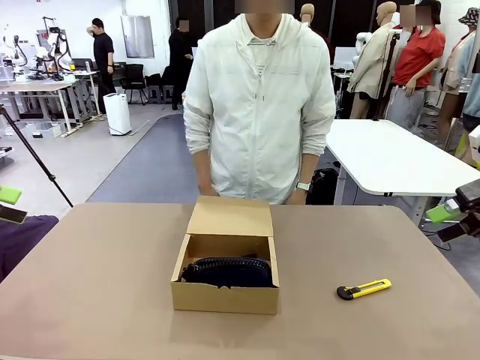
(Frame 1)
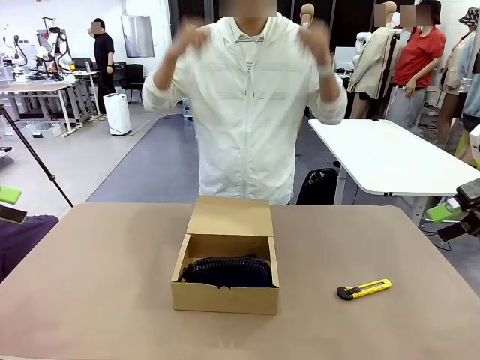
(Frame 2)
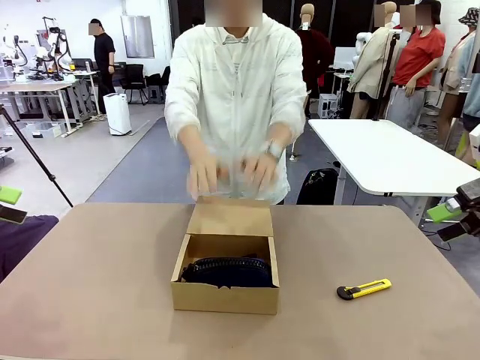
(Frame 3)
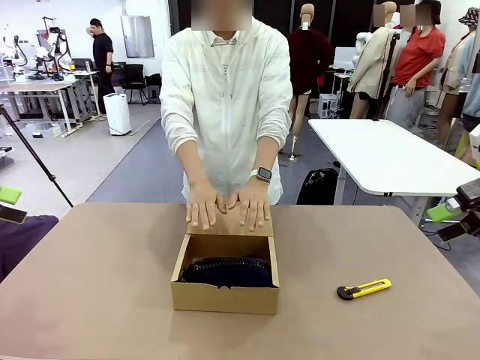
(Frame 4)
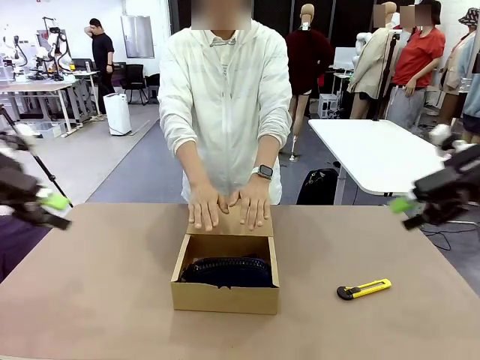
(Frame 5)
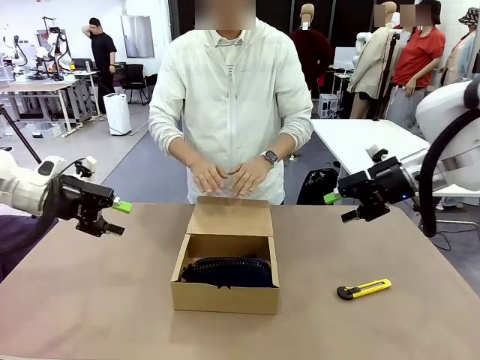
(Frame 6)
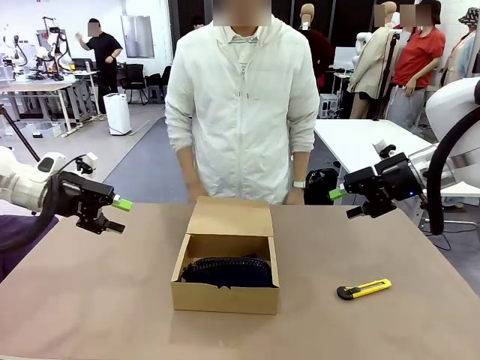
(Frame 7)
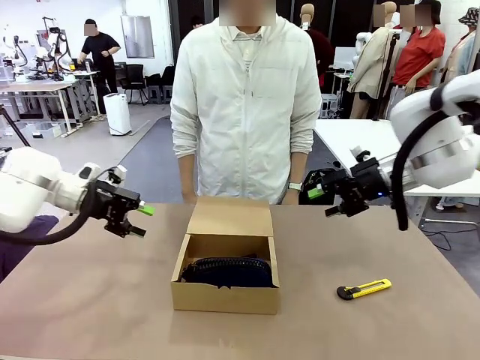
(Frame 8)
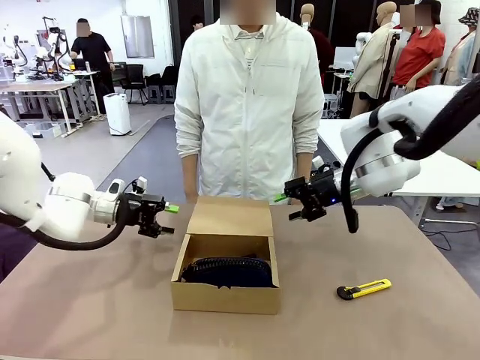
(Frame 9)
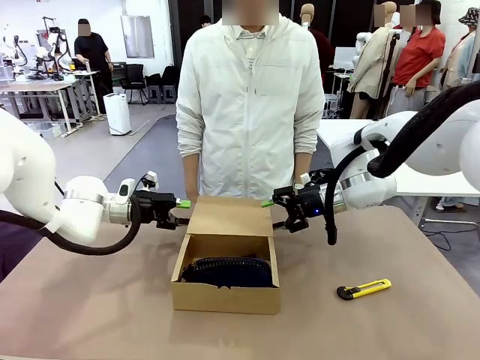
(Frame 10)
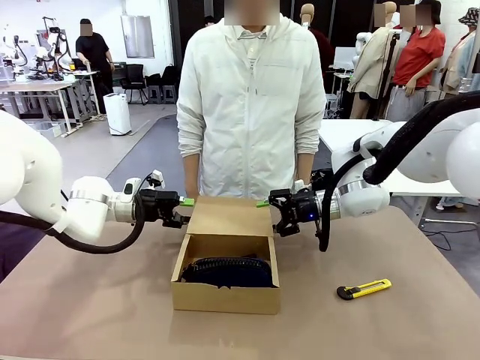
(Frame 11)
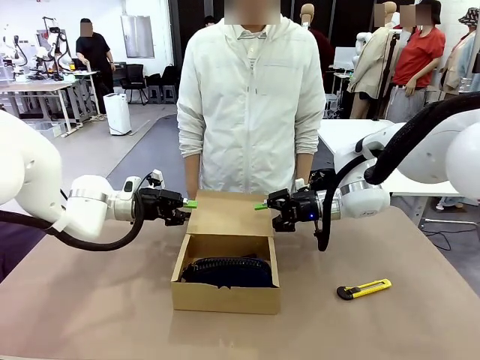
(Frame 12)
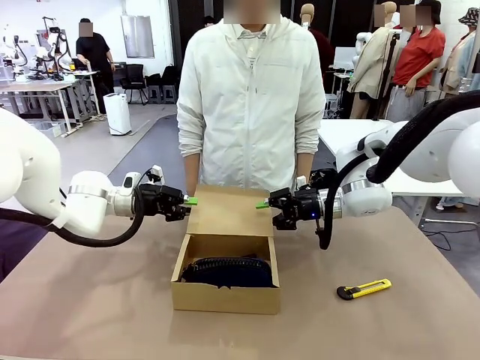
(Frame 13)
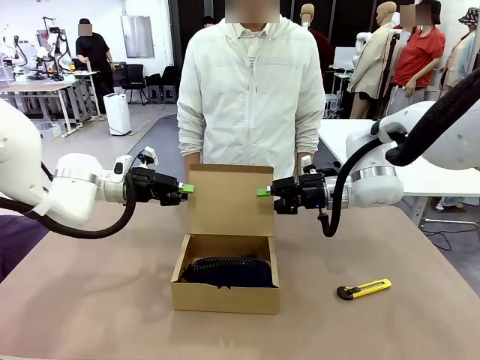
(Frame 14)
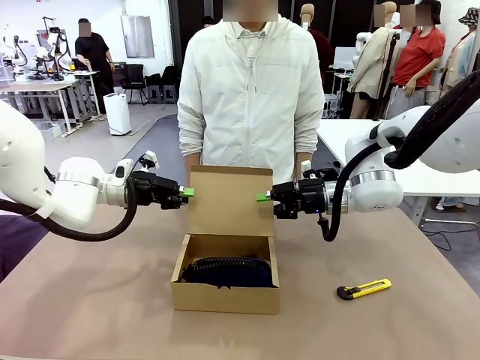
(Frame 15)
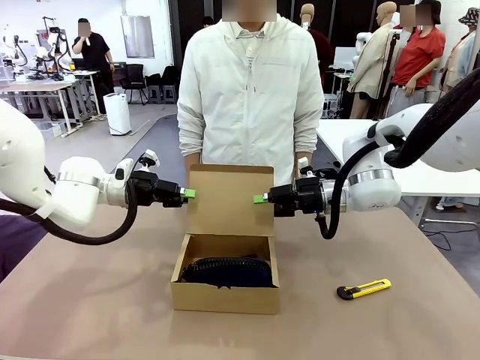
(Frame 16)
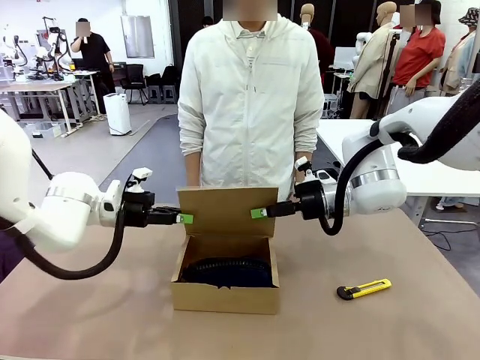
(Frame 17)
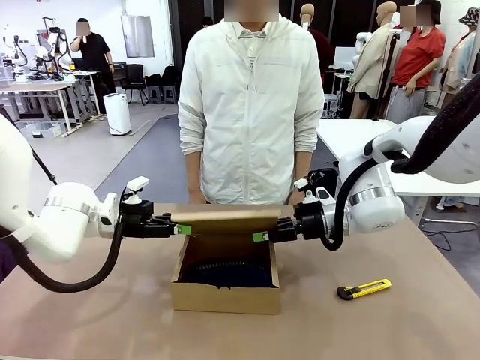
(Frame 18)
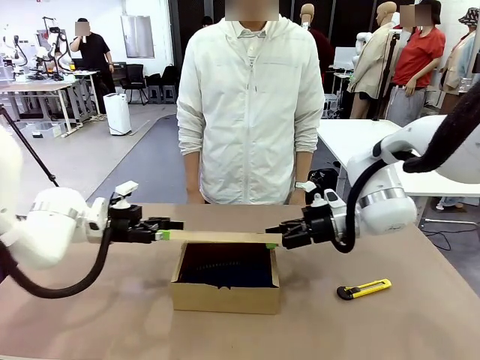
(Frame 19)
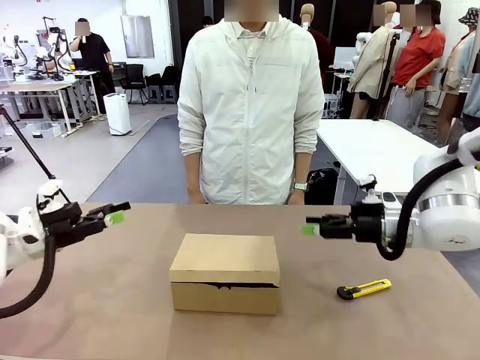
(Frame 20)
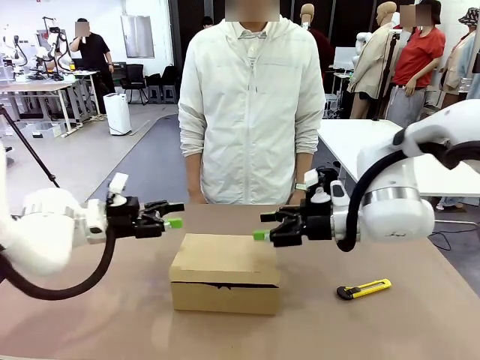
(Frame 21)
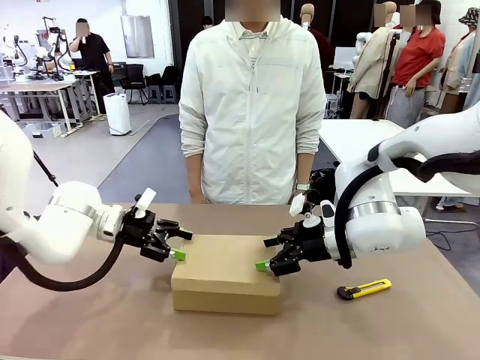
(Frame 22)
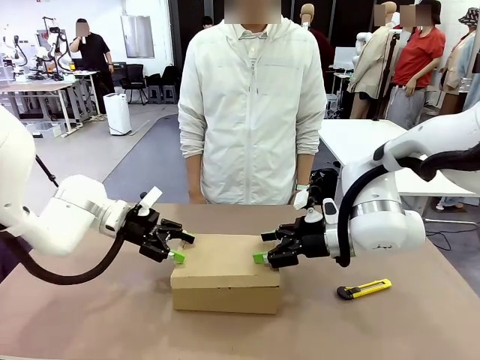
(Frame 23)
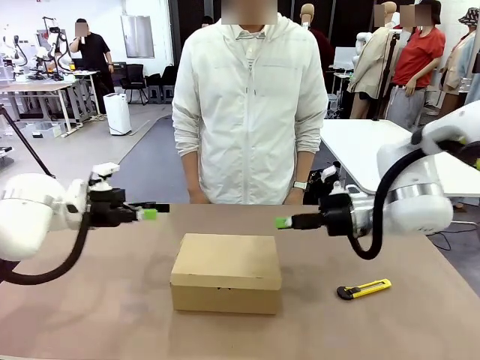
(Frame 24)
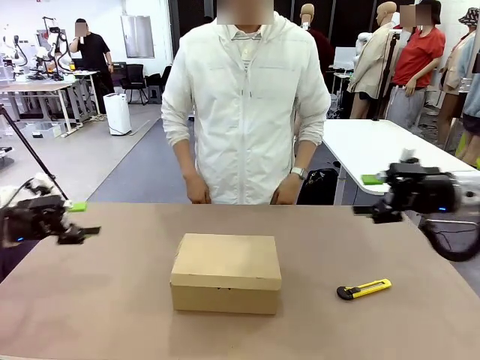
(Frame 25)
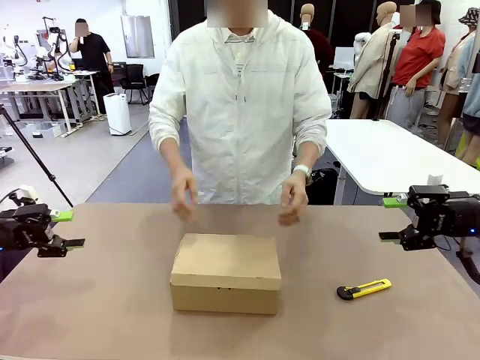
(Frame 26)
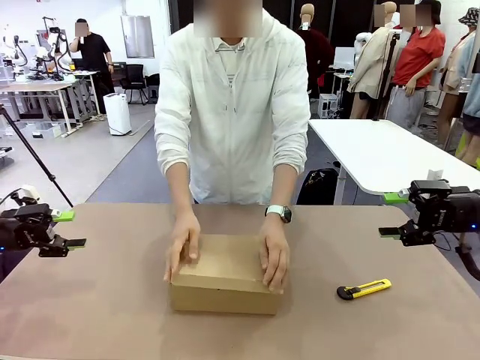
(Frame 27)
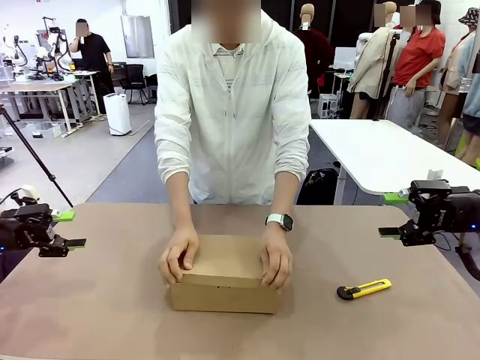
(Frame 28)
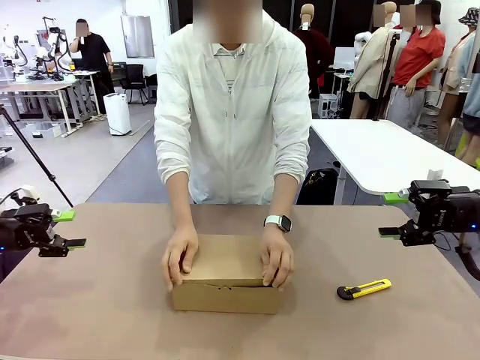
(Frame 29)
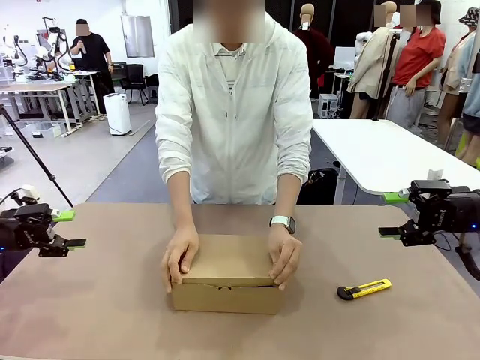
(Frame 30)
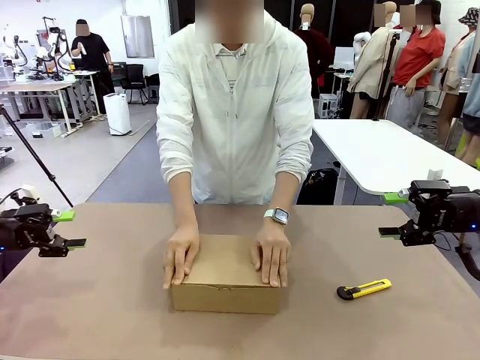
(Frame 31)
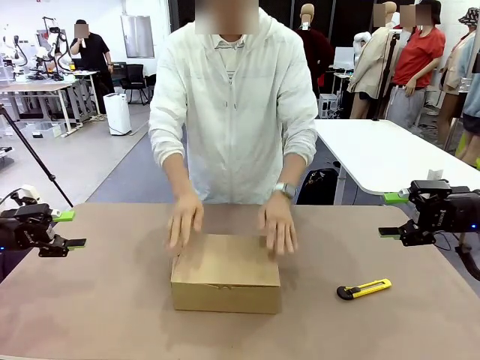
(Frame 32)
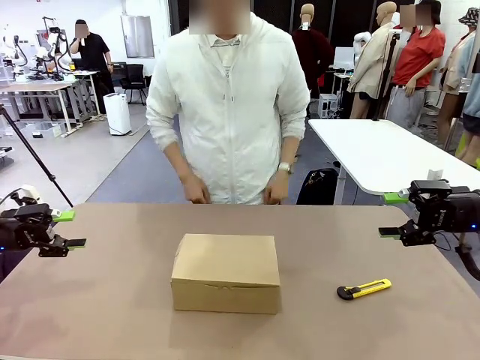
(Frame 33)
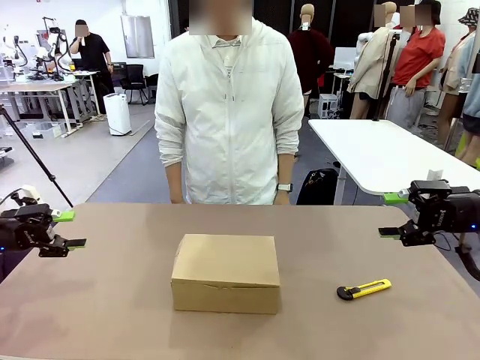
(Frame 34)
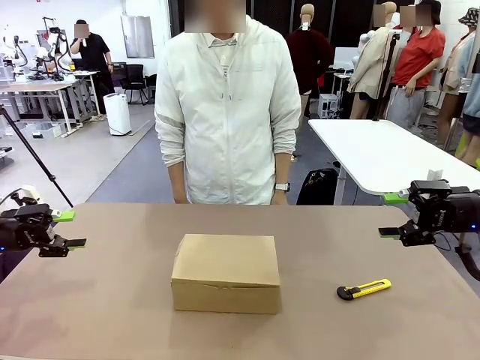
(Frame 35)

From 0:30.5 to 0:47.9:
Task: Pack the items into the box.
Robot: Close the Mailer Box.
Person: Turn the box and lock it.

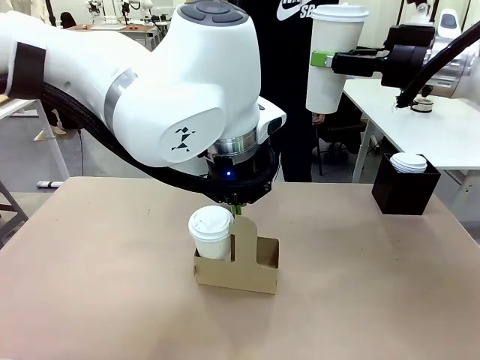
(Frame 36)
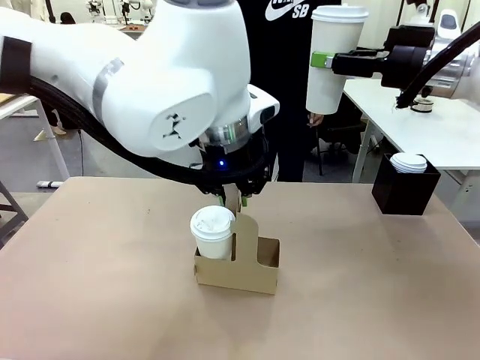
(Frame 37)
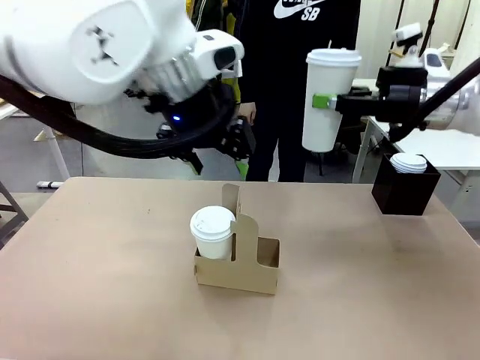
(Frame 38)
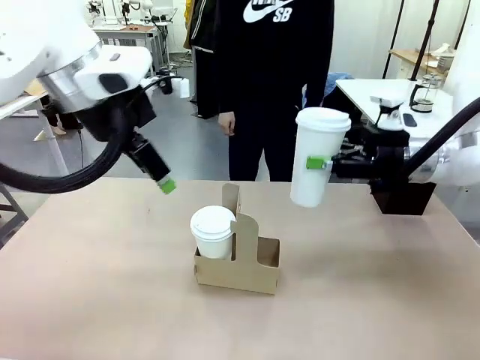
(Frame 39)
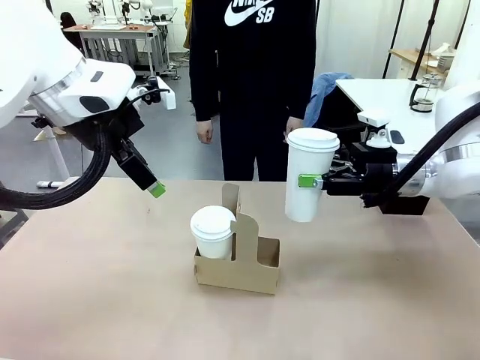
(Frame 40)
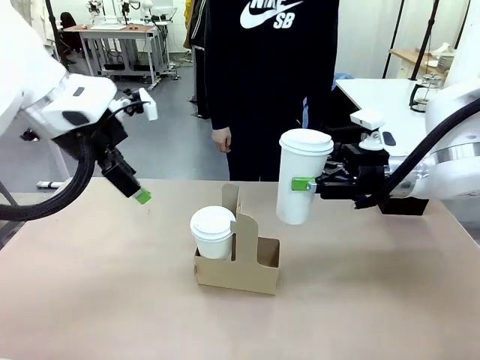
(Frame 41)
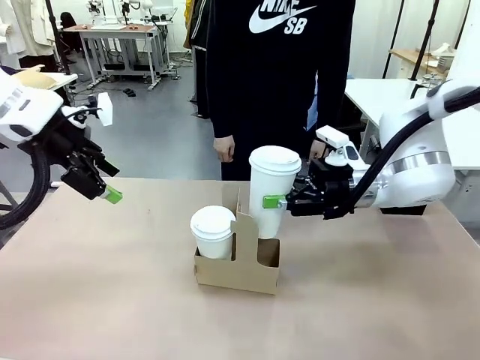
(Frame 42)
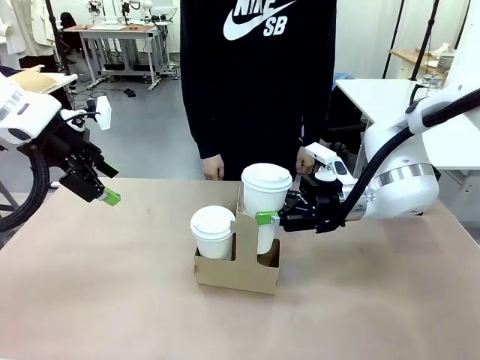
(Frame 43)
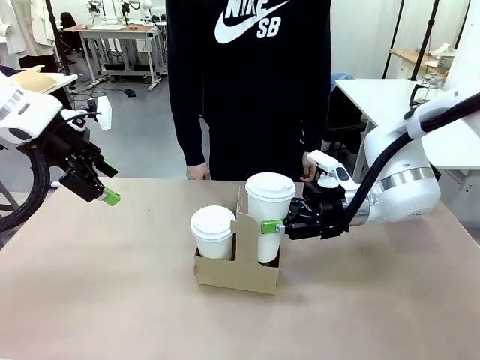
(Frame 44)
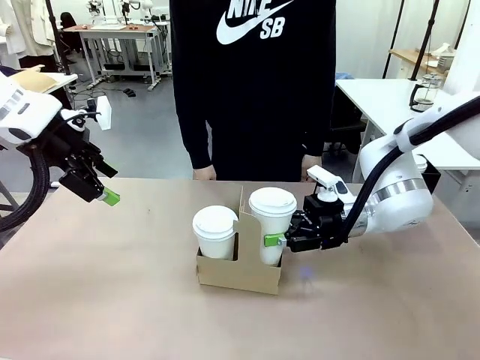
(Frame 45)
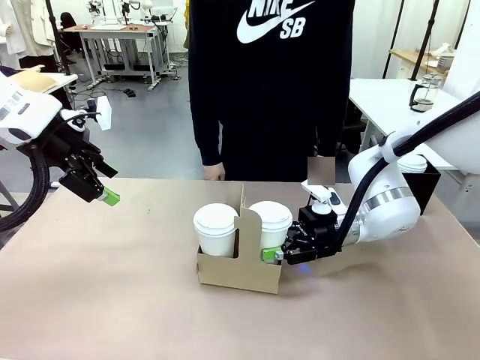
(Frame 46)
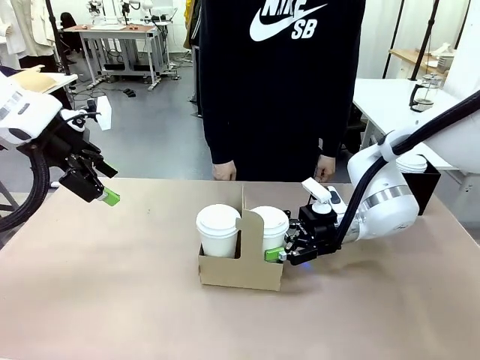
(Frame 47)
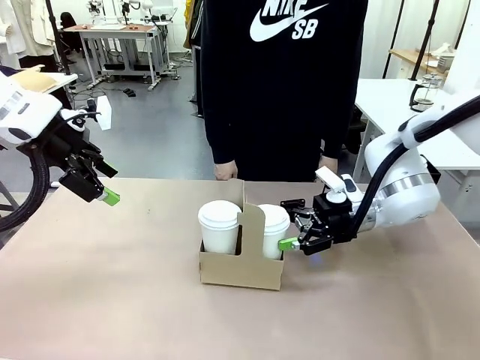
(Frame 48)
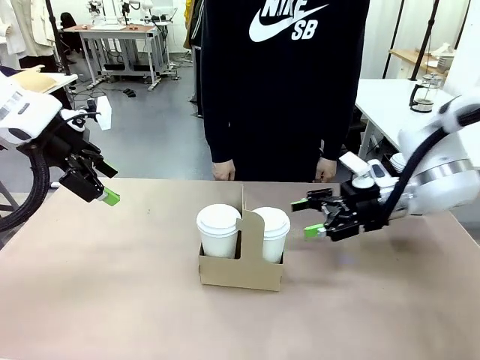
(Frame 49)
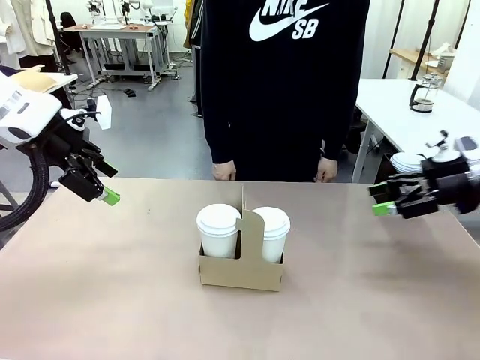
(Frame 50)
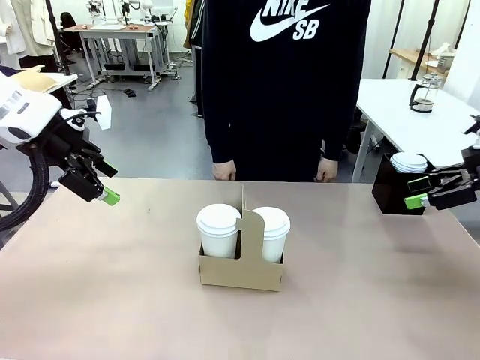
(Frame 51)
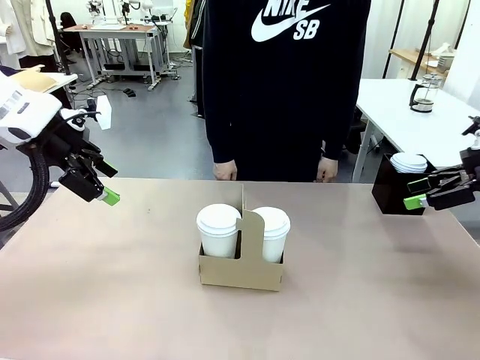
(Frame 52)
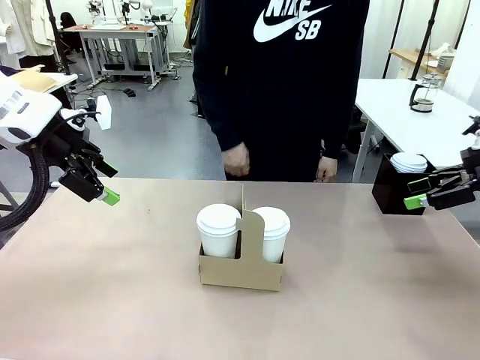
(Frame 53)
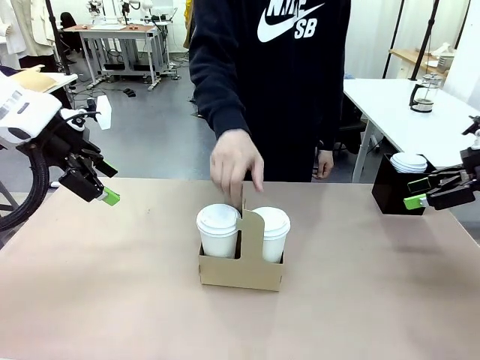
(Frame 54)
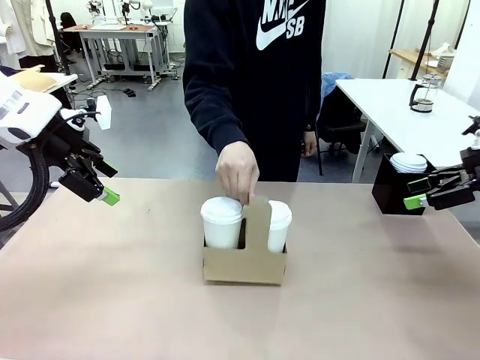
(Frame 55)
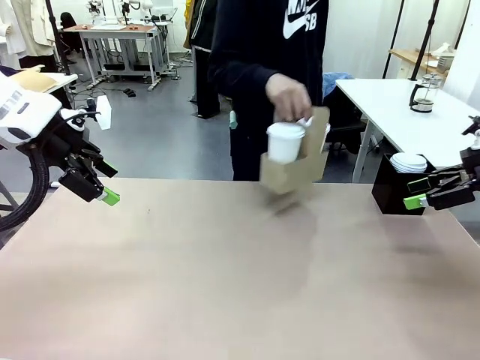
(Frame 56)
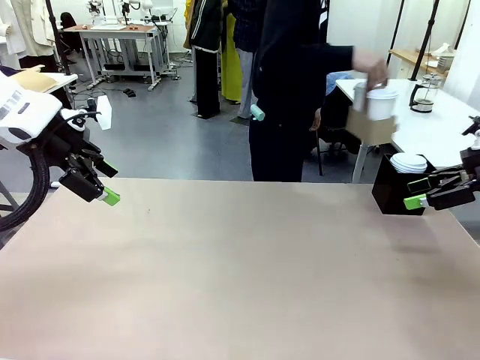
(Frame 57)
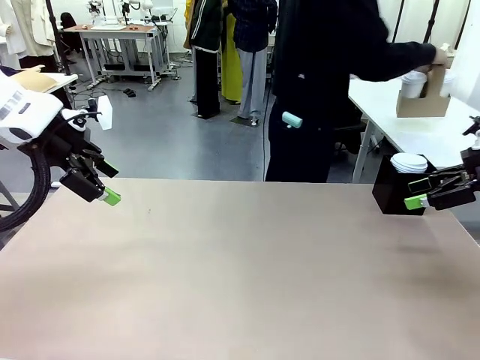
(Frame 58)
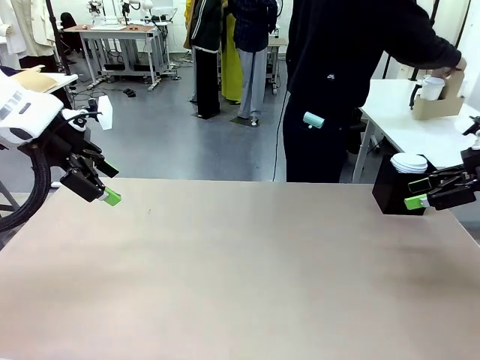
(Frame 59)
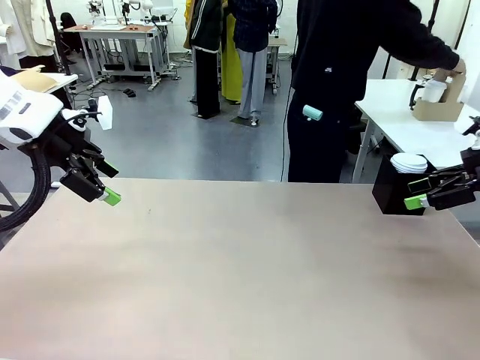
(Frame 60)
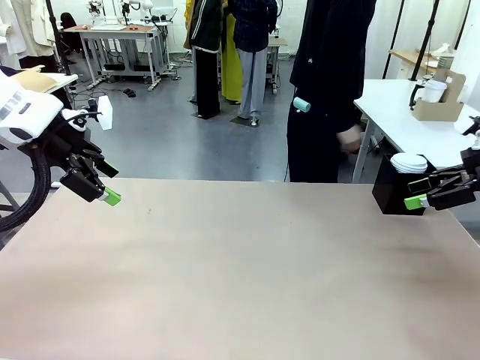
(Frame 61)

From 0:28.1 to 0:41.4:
Task: Pour a drink into a cup and package it in a carrier.
Robot: Insert the held 600 ml Paper Cup into the Cup Carrier.
Person: Place the Cup Carrier to the middle of Human table.
